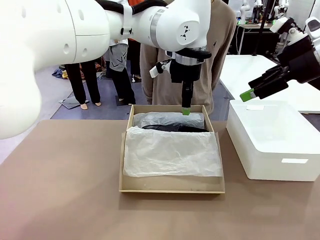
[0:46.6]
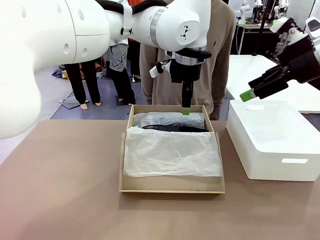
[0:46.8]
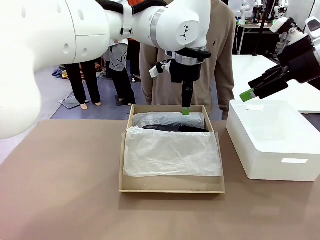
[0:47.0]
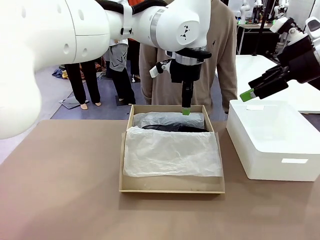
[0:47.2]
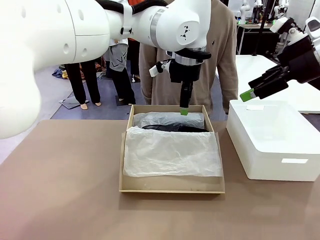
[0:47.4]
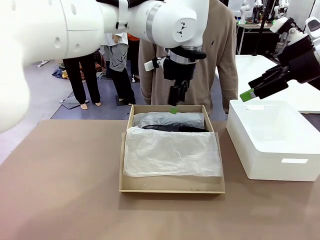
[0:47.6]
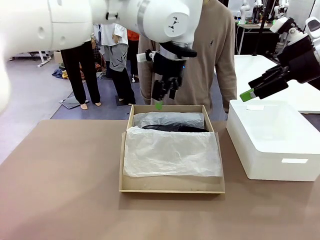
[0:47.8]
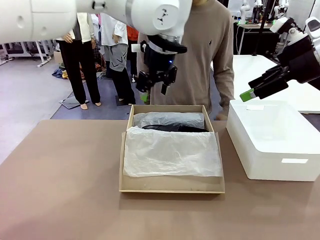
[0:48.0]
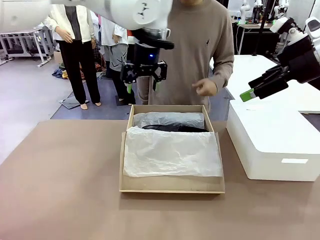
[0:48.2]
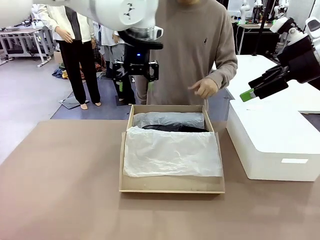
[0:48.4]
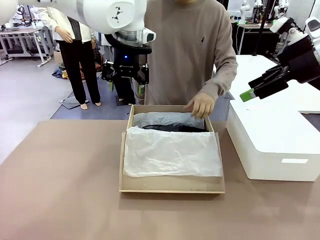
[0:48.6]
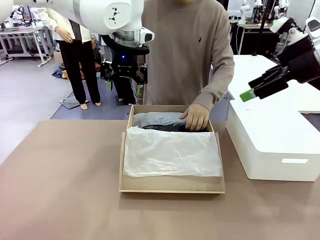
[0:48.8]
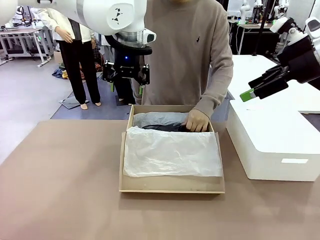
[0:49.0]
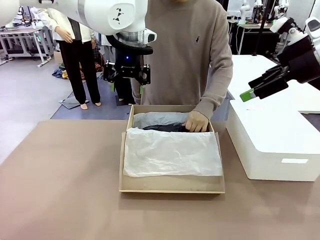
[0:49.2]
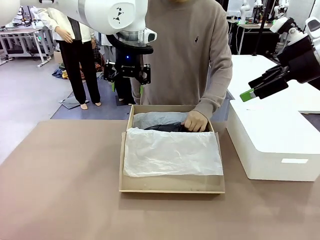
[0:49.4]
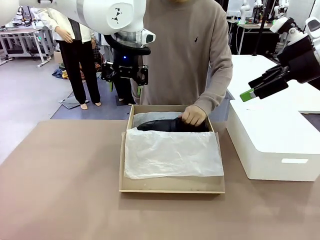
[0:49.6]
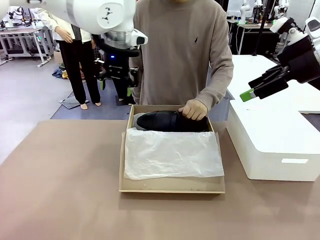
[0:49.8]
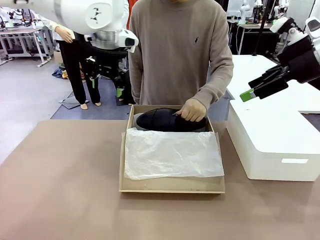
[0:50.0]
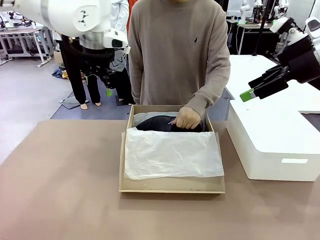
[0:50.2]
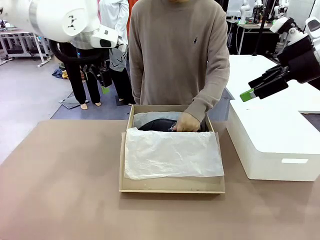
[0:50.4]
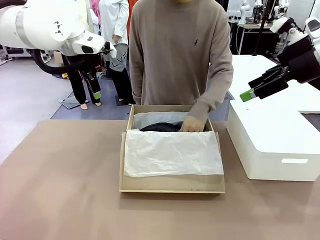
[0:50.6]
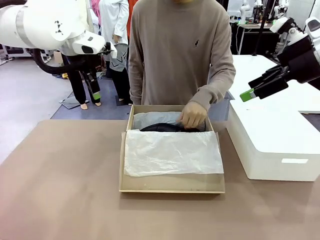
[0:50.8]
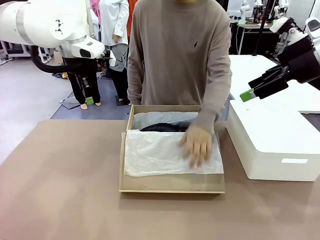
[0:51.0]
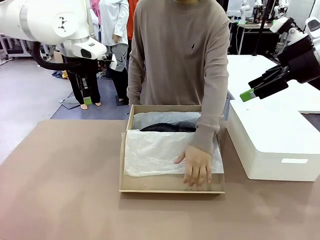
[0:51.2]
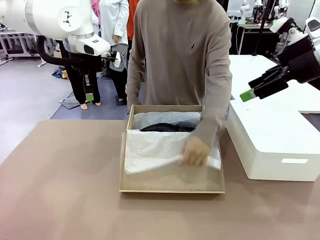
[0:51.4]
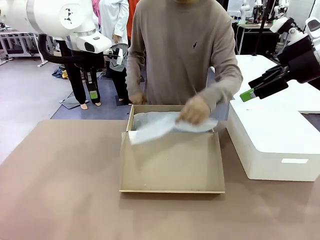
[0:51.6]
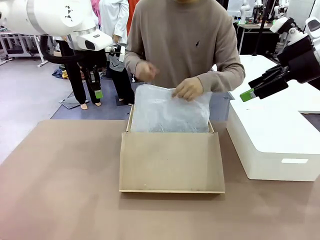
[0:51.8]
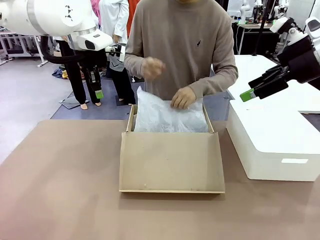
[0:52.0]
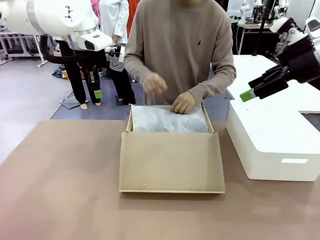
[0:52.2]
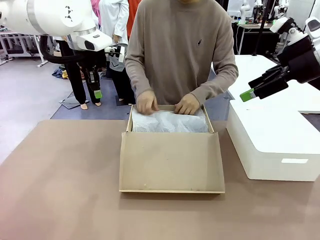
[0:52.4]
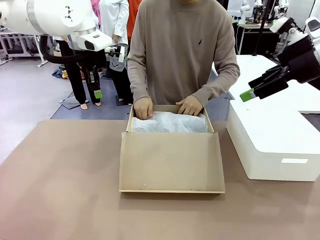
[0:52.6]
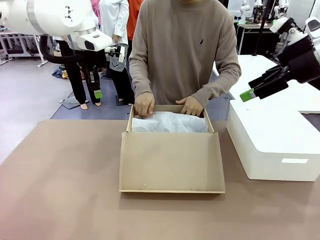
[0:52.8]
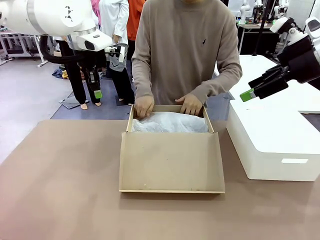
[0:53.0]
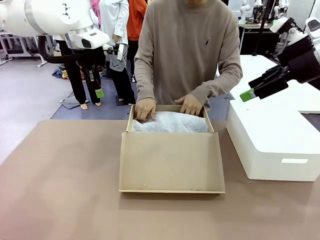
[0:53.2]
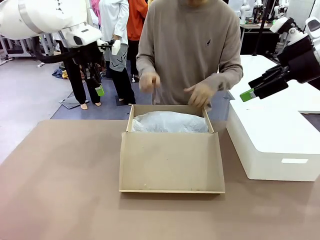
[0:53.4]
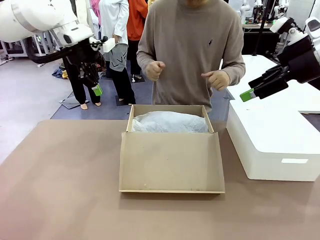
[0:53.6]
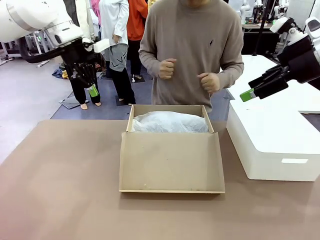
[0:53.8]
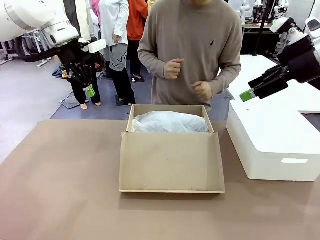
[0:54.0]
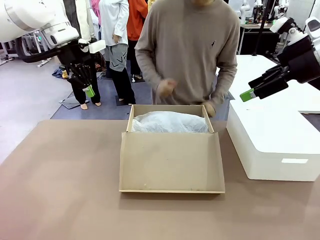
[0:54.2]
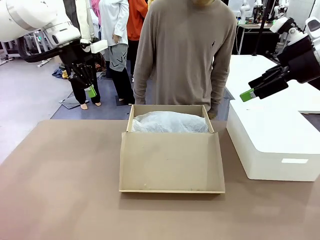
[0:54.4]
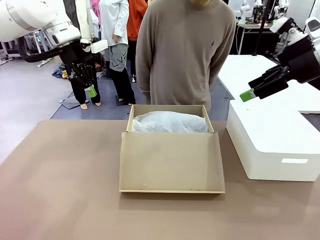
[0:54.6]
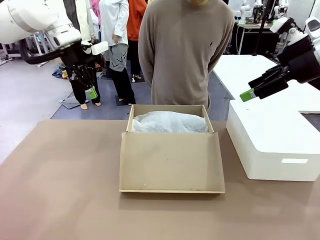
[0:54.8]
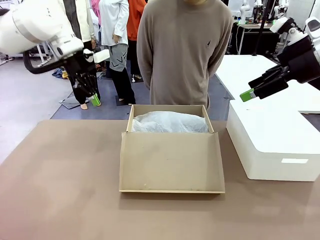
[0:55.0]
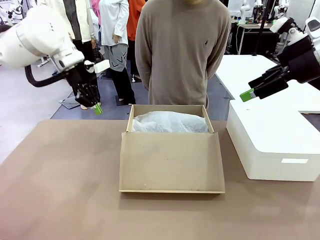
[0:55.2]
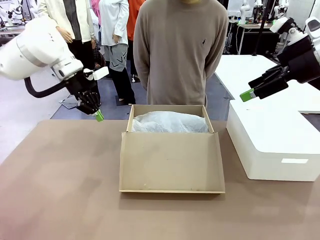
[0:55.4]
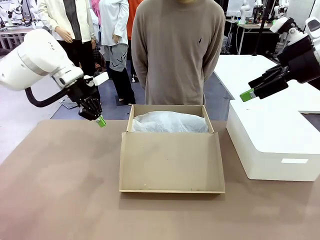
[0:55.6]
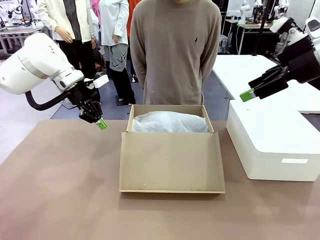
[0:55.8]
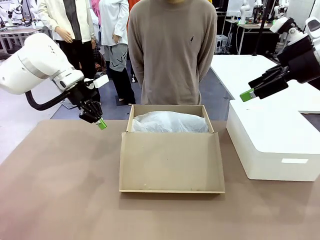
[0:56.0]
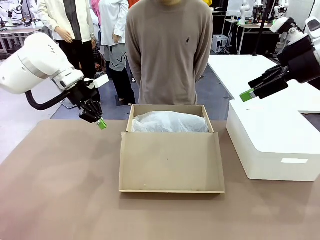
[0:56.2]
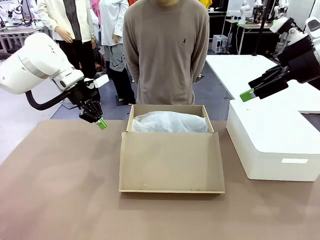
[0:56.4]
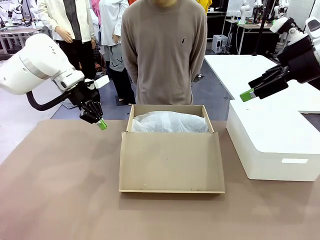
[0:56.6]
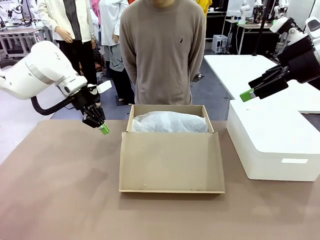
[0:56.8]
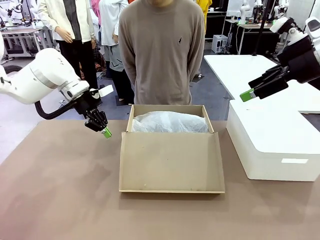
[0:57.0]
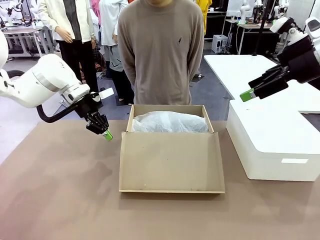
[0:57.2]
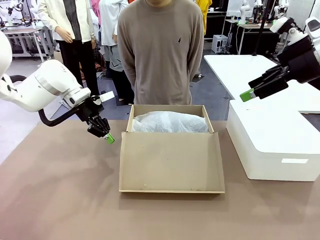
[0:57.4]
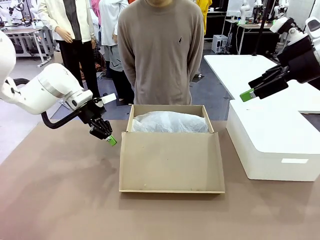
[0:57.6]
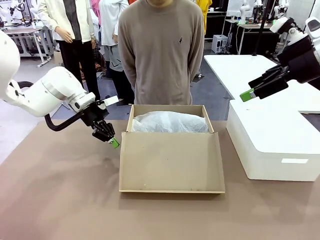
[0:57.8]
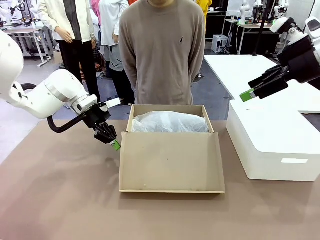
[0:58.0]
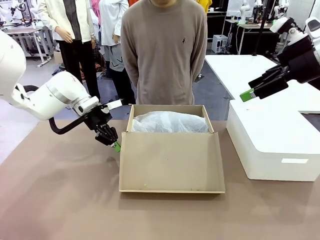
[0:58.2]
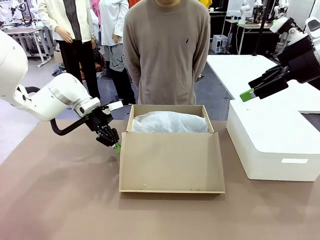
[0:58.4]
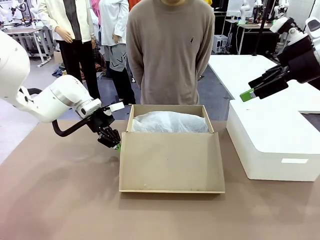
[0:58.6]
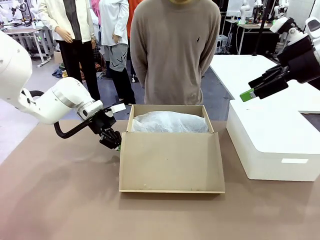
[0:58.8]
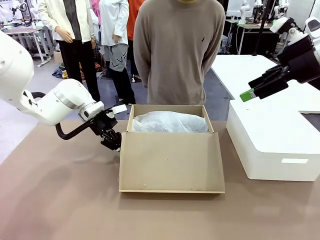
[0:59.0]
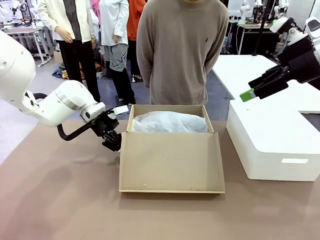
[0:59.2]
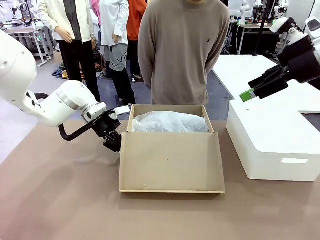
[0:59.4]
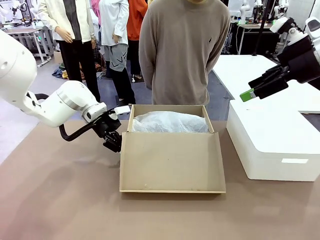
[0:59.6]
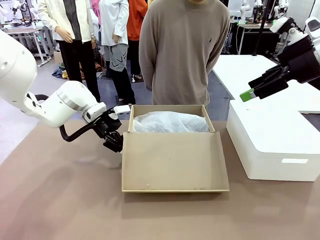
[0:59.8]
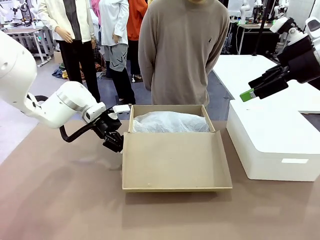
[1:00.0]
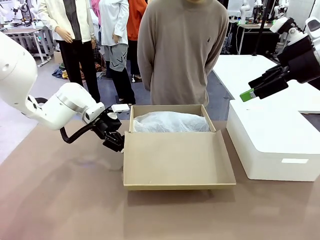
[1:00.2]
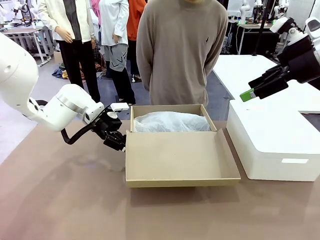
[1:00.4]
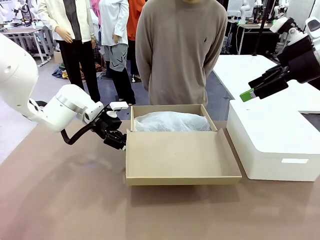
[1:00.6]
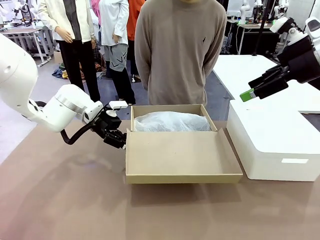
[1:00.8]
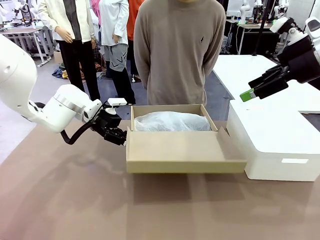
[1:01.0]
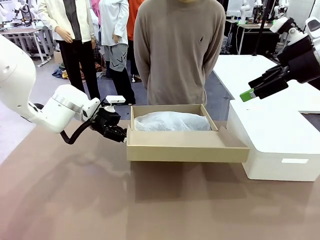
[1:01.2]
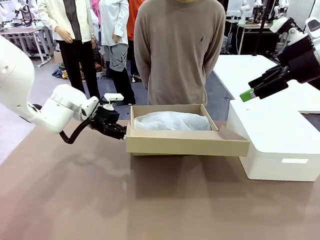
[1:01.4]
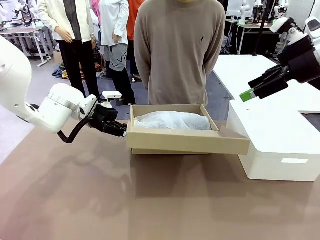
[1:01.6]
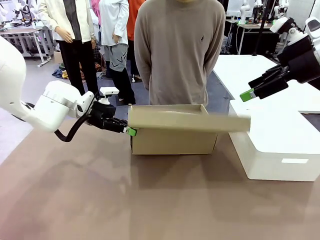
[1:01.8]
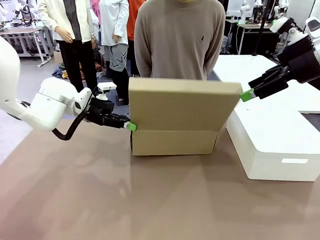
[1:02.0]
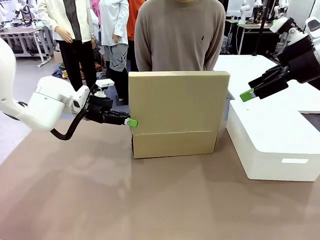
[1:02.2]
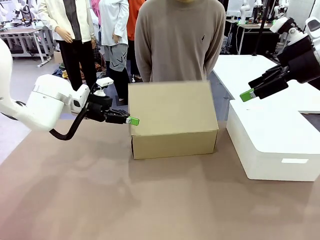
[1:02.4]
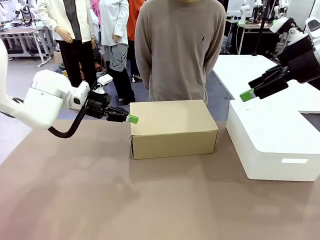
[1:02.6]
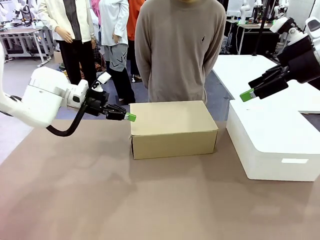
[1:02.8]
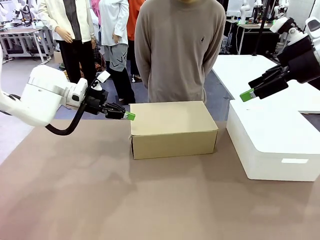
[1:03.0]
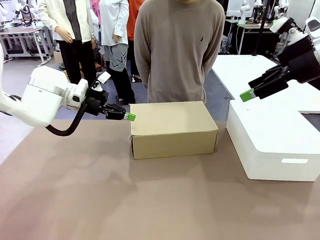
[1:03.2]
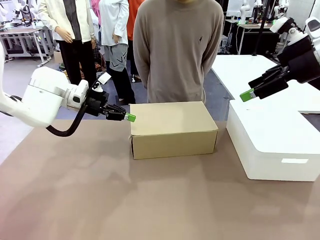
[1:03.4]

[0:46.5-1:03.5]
Task: Pack the shoes into the box.
Robot: Close the Shoes Box.
